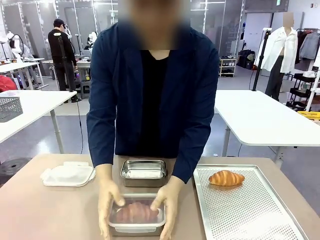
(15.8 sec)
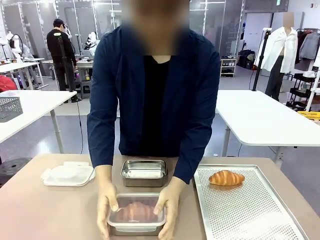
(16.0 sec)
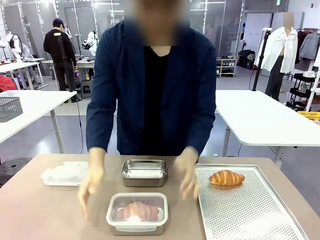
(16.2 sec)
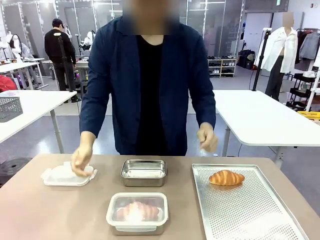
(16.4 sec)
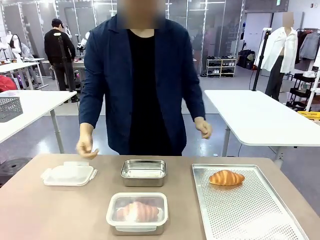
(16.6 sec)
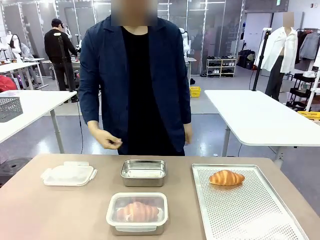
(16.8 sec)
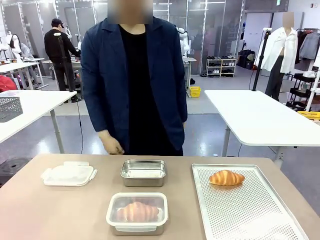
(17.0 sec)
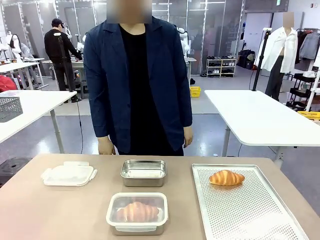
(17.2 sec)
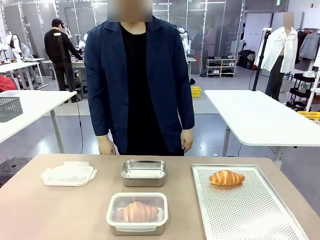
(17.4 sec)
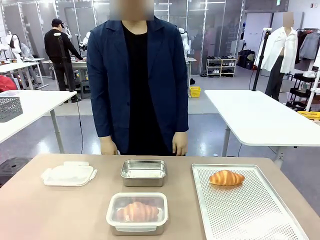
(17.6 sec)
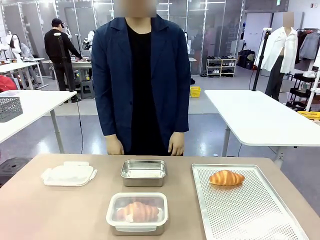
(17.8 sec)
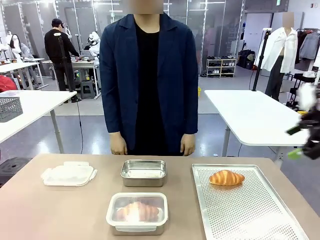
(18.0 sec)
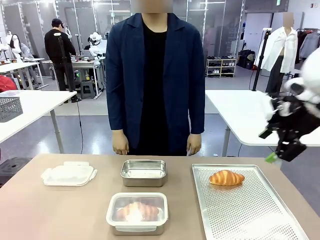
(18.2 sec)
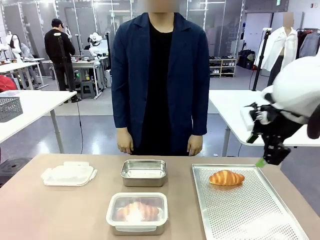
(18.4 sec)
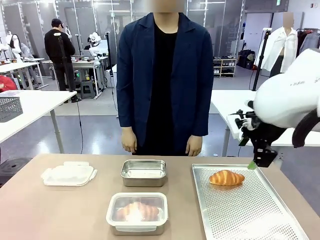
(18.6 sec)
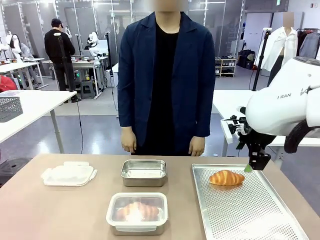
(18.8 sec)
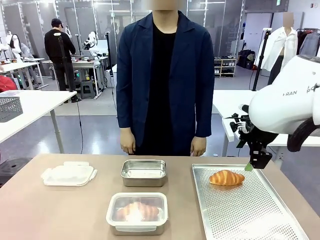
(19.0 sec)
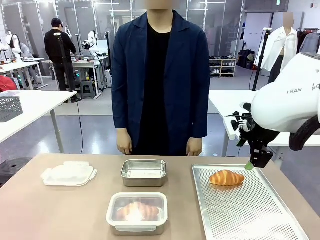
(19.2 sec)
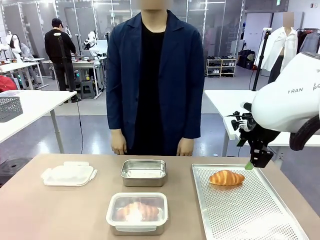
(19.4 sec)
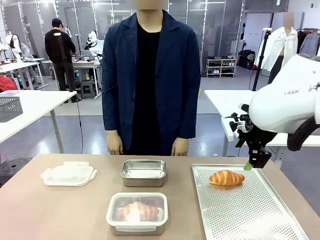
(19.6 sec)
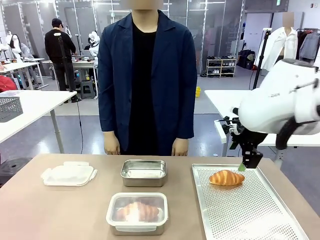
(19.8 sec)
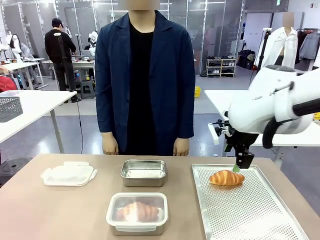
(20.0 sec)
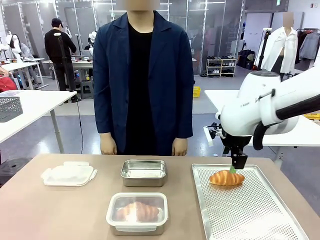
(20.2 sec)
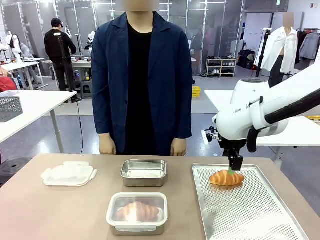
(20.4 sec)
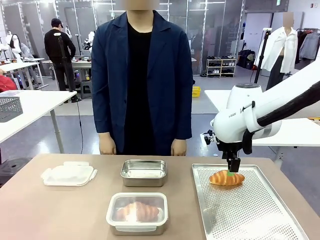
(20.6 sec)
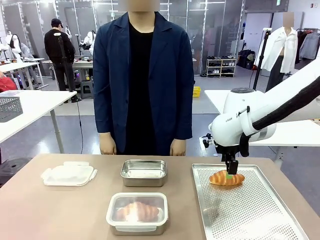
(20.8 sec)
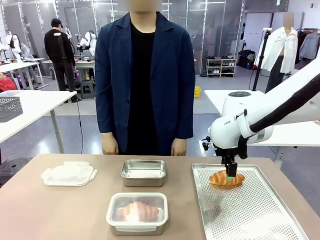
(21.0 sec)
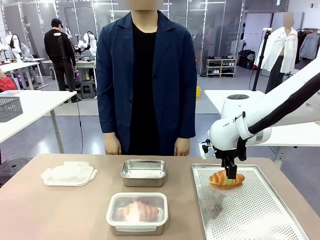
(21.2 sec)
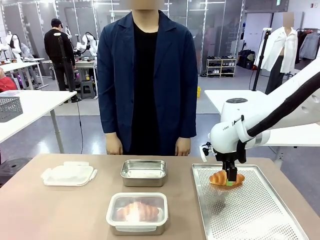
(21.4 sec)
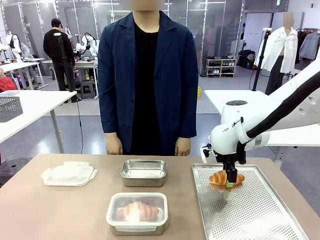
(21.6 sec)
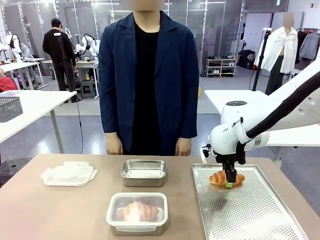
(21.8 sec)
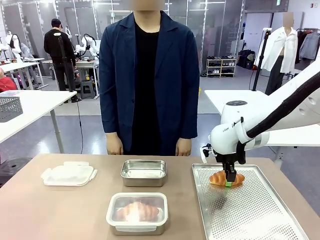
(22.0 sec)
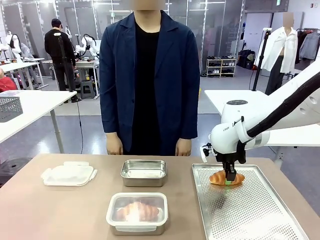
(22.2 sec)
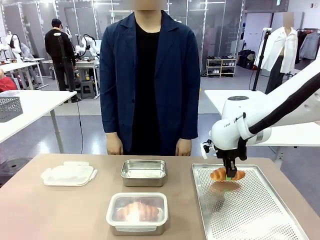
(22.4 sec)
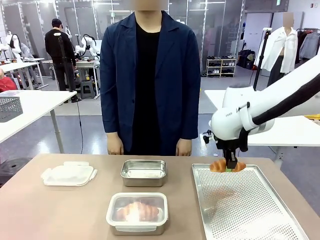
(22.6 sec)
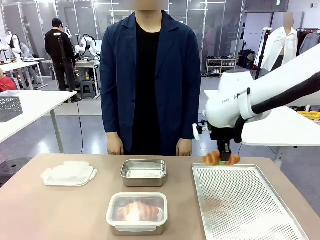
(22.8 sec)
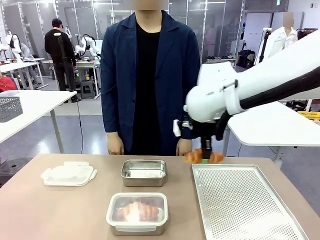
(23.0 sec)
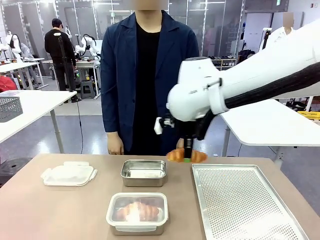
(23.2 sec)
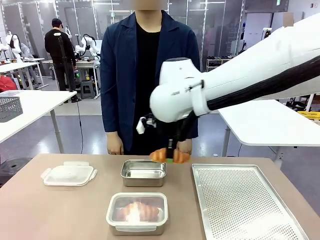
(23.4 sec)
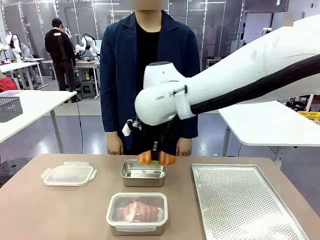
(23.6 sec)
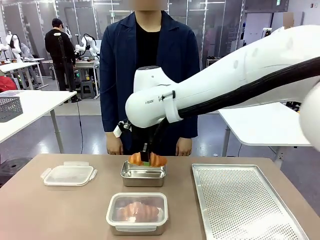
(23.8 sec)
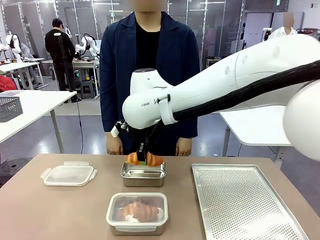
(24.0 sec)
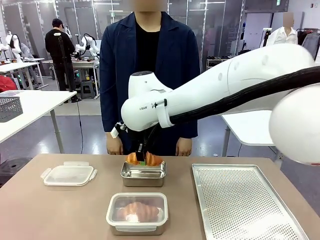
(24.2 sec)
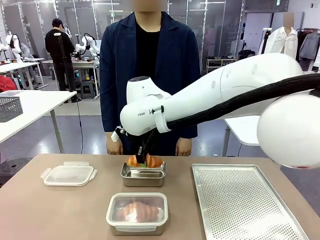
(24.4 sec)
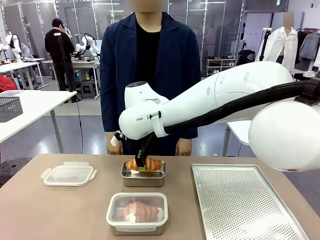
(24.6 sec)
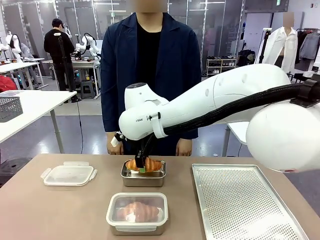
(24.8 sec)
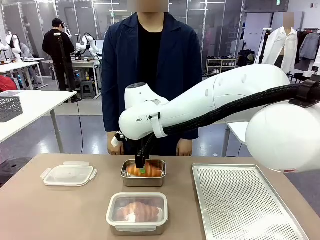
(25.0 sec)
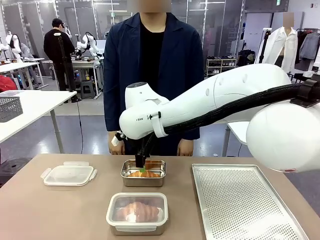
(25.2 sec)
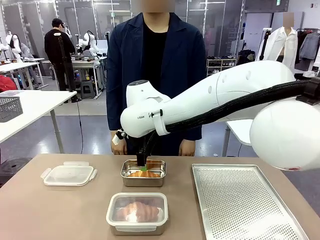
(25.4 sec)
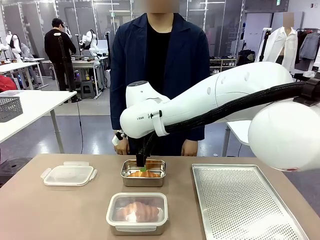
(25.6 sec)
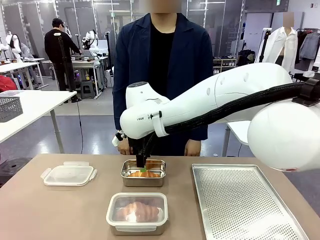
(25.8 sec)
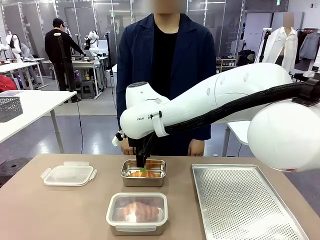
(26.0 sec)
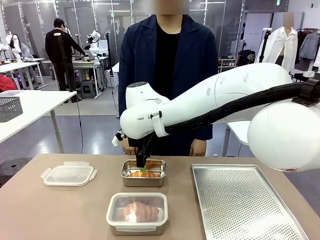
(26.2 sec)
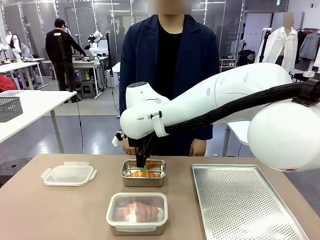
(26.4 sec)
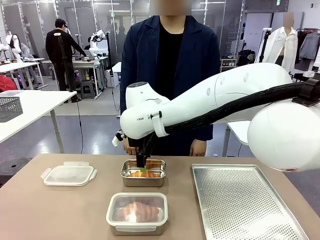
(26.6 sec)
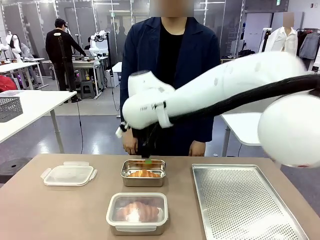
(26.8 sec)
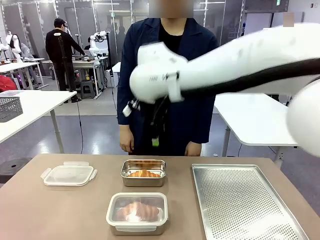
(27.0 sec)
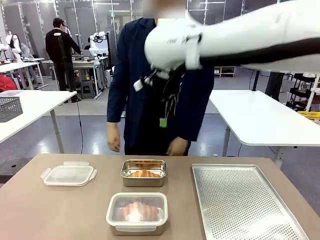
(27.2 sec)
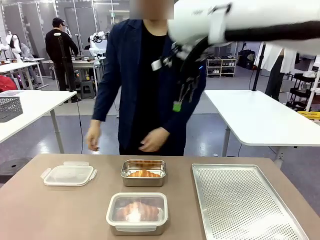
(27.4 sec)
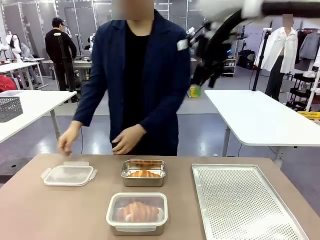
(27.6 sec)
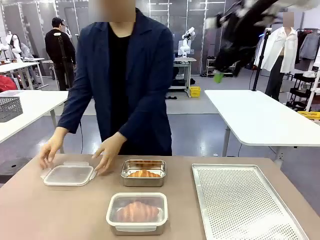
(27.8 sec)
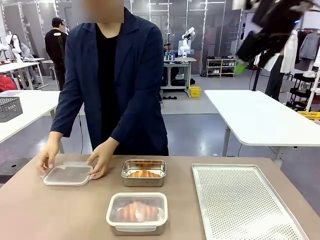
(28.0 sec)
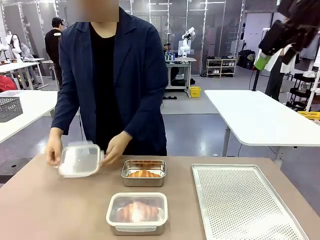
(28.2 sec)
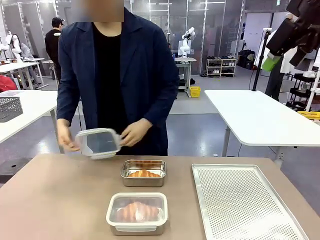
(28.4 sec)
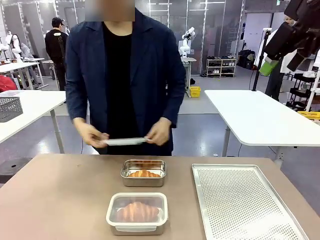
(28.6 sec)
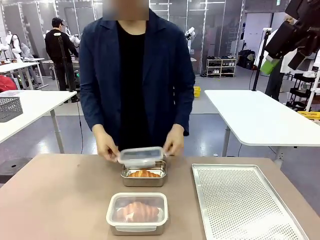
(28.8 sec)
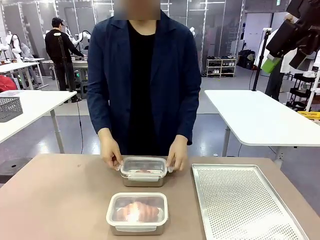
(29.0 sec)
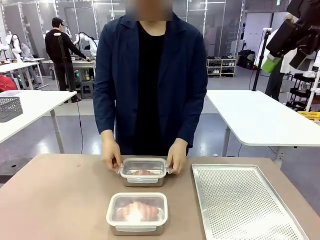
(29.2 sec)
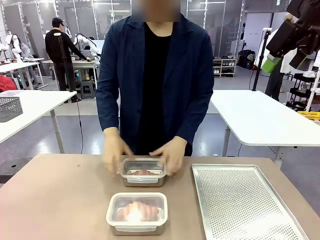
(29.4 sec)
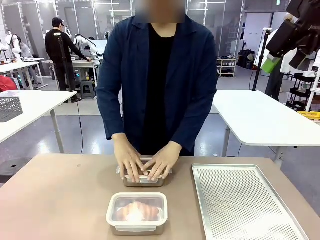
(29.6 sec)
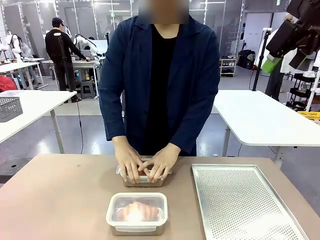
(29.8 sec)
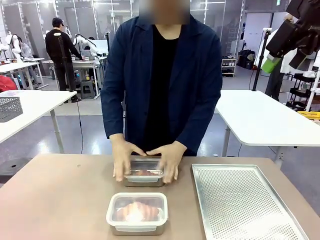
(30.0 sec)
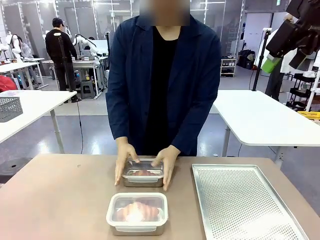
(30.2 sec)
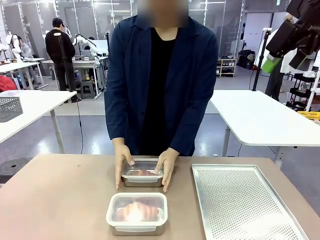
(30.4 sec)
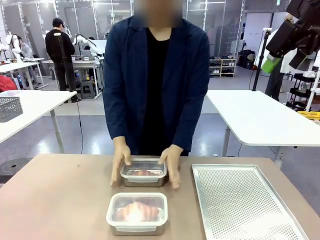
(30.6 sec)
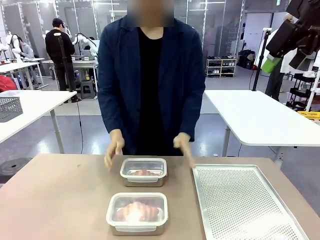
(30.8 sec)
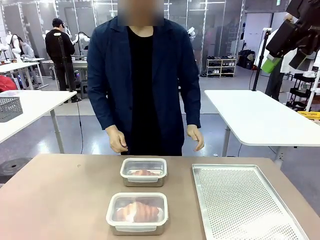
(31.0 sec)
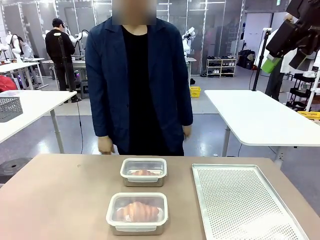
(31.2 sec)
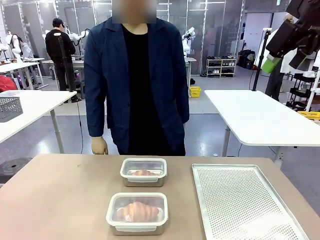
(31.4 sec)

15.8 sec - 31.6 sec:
Task: Place the bread into the airtight container.
Robot: Pick up a Butter Roll and place it into an empty Airtight Container.
